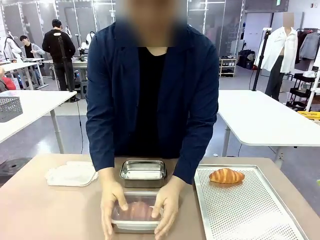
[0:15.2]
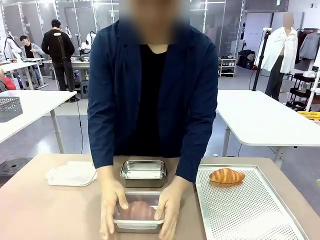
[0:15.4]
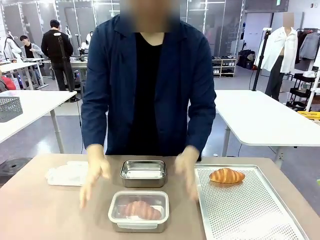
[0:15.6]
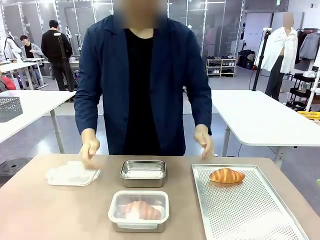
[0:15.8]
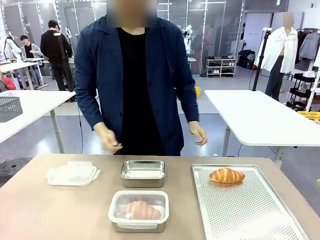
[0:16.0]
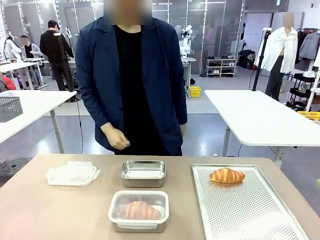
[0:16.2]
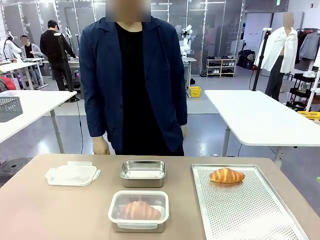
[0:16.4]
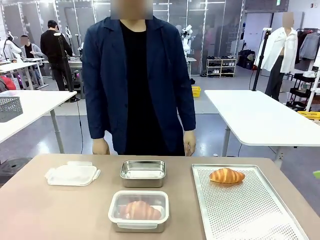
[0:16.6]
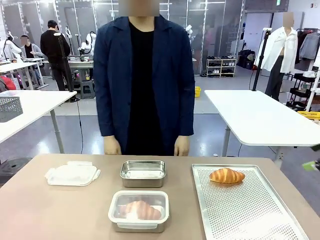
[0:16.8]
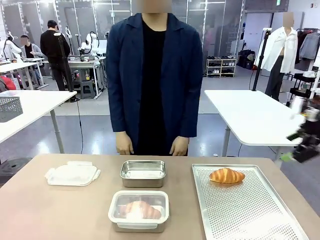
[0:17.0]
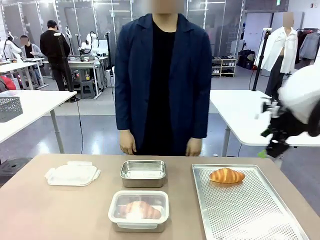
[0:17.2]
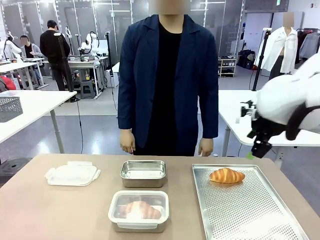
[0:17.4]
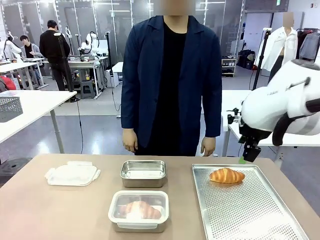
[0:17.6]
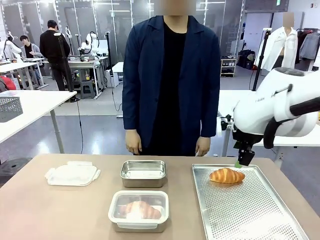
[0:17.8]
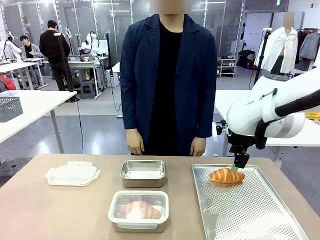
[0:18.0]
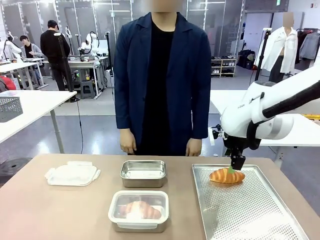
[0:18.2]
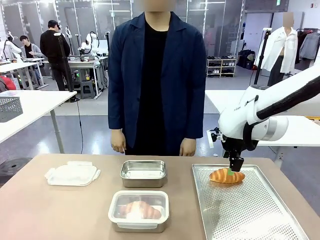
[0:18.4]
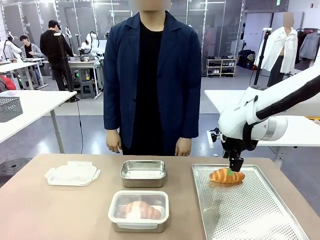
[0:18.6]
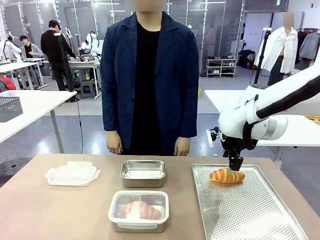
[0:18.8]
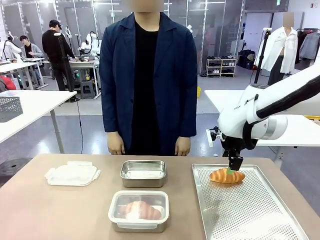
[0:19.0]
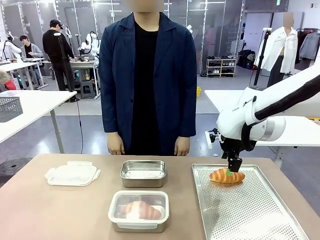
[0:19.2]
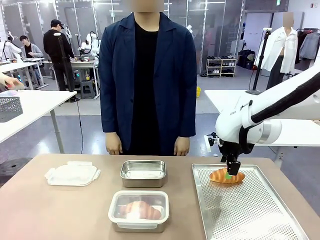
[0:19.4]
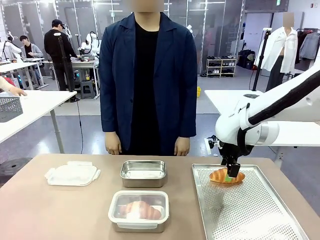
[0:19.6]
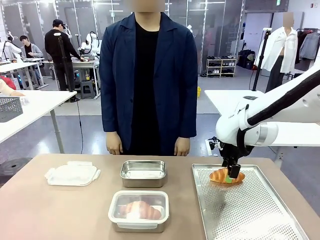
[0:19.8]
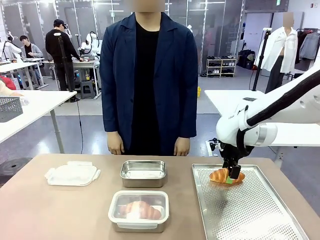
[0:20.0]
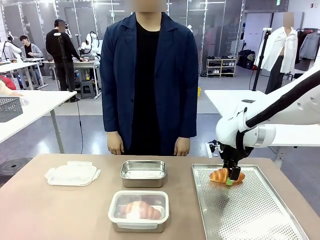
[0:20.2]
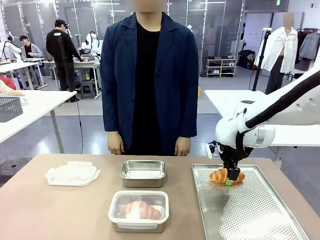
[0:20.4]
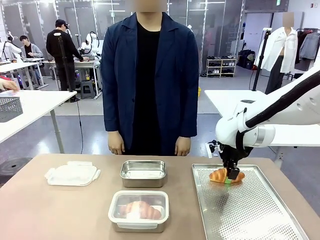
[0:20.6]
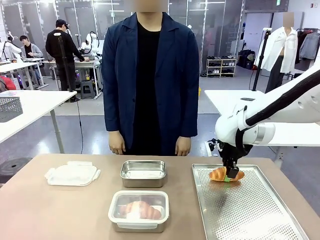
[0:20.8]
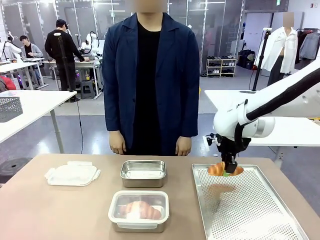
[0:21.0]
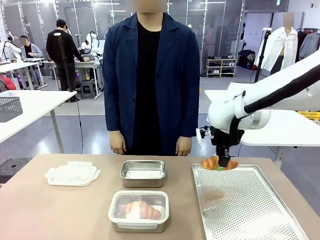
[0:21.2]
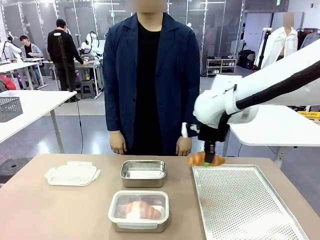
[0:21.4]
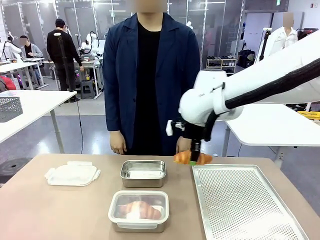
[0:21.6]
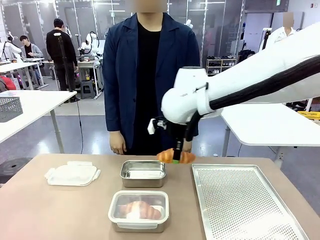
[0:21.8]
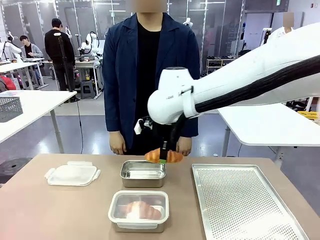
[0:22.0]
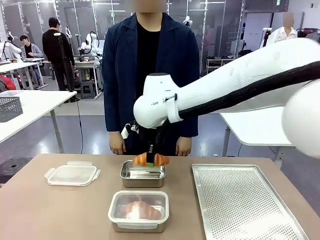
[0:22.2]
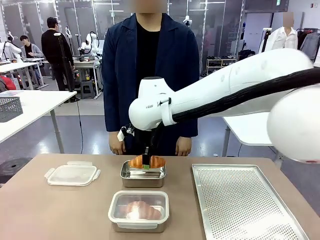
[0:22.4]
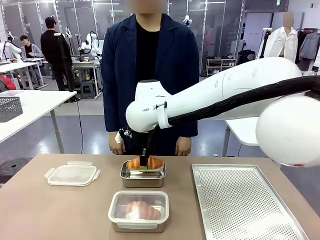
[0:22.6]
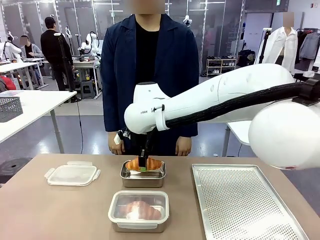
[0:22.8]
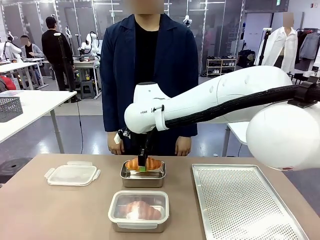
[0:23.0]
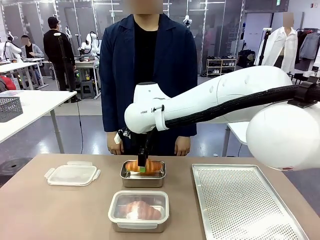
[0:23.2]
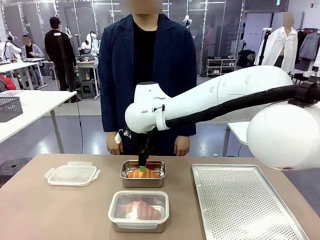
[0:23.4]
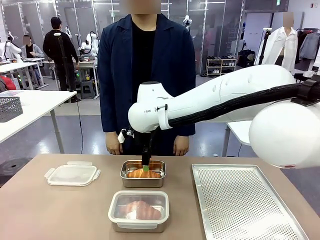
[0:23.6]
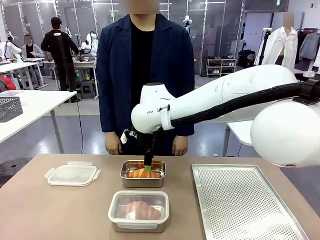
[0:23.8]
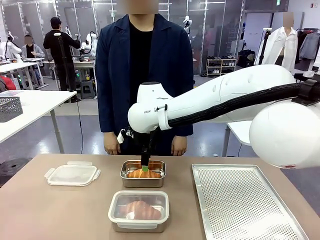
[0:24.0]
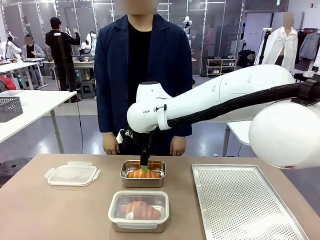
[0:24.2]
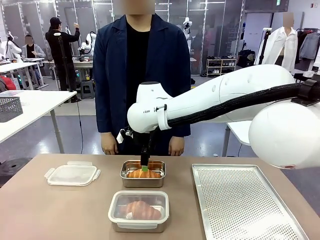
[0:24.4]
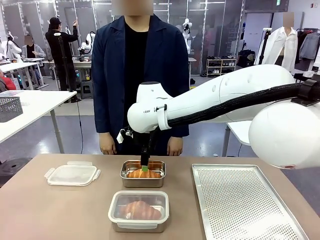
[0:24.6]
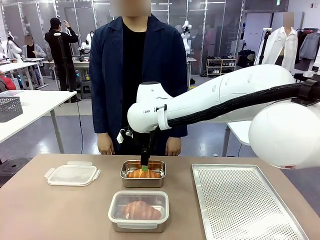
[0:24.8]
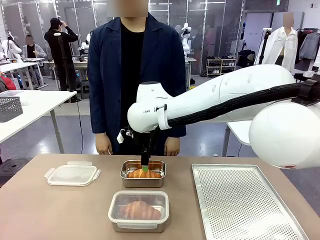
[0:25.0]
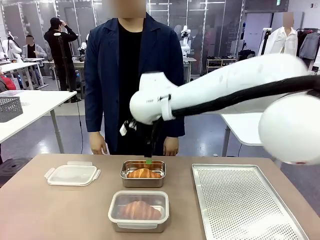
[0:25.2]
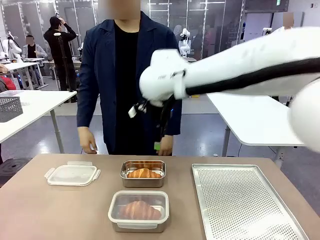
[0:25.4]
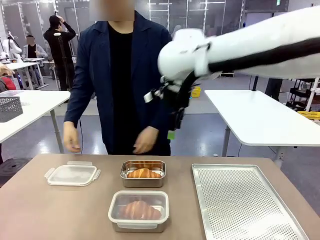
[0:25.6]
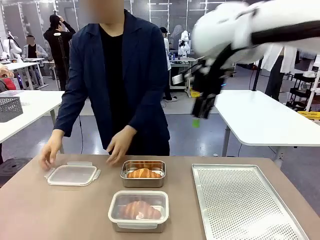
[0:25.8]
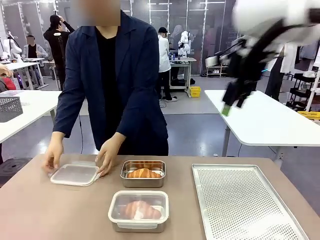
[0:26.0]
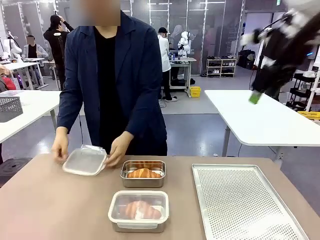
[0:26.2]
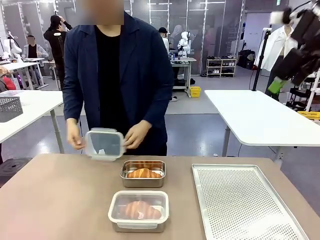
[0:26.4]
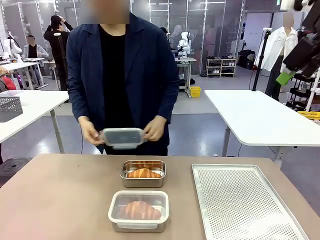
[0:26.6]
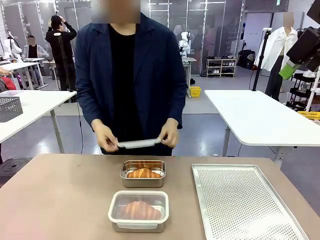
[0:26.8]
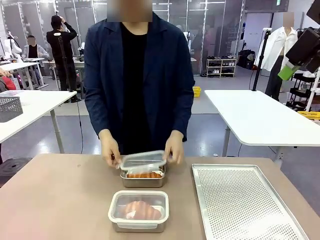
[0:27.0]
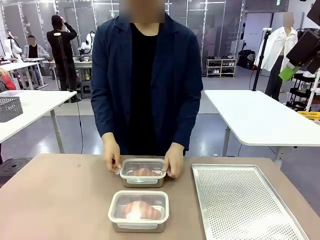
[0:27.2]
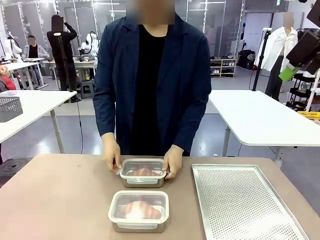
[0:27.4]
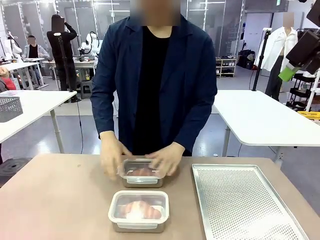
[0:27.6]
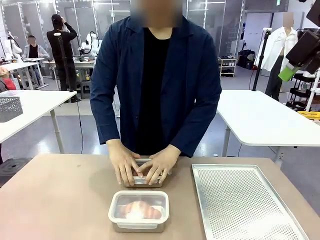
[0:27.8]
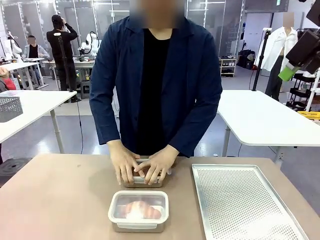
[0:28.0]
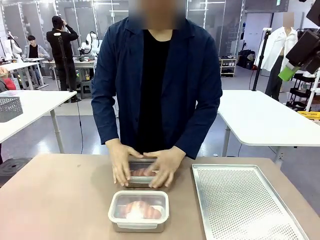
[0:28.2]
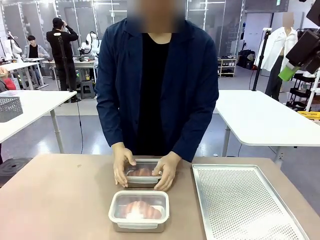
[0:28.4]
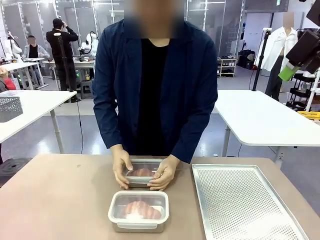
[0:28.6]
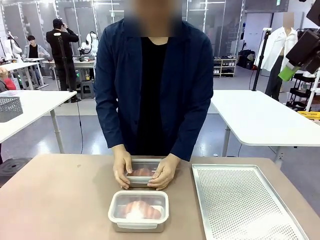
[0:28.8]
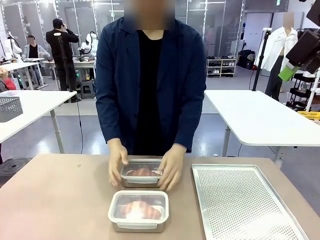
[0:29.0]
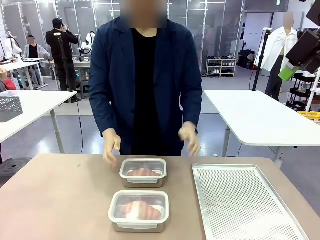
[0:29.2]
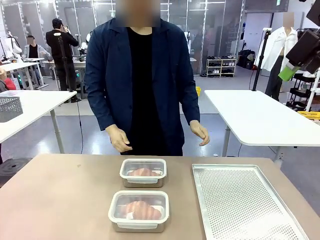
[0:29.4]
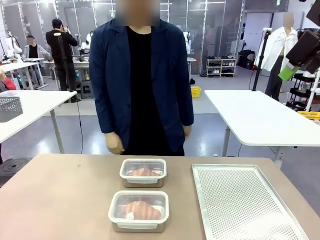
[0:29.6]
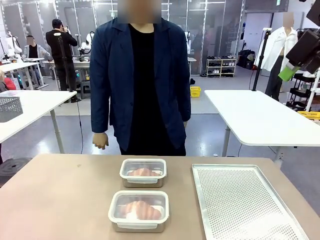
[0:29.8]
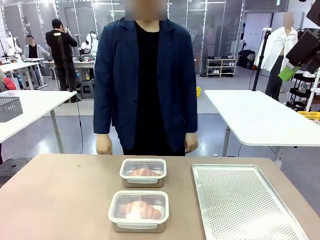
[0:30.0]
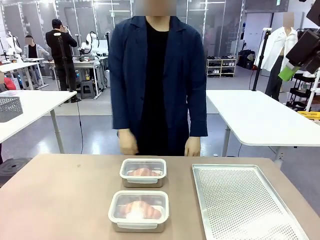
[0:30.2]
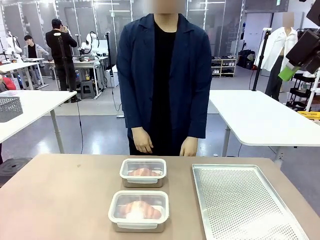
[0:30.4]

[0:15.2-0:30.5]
Task: Place the bread into the airtight container.
Robot: Pick up a Butter Roll and place it into an empty Airtight Container.
Person: Once a Butter Roll is inside an Airtight Container , close the lid of that Airtight Container.
